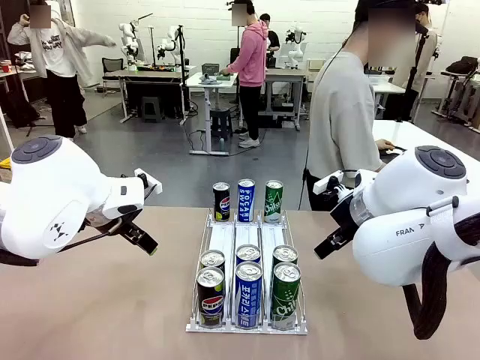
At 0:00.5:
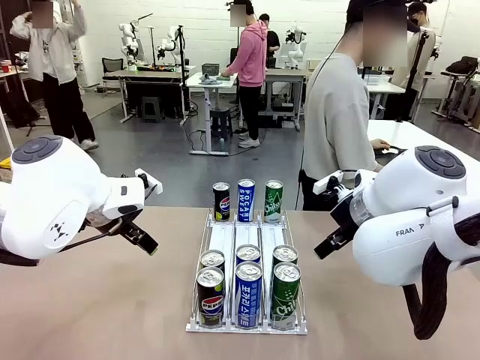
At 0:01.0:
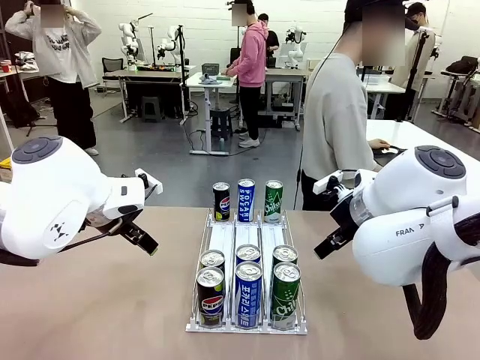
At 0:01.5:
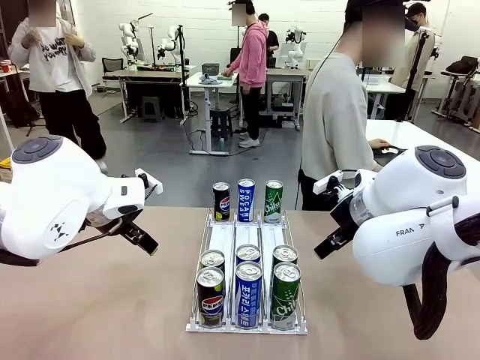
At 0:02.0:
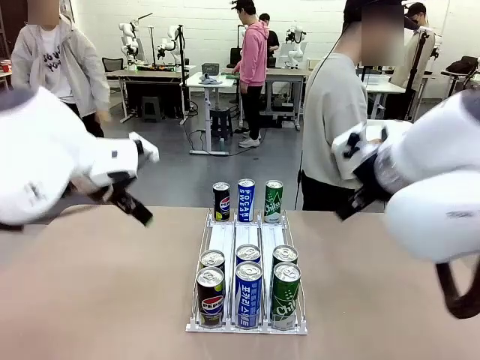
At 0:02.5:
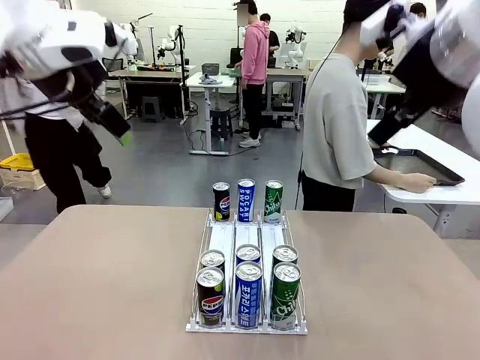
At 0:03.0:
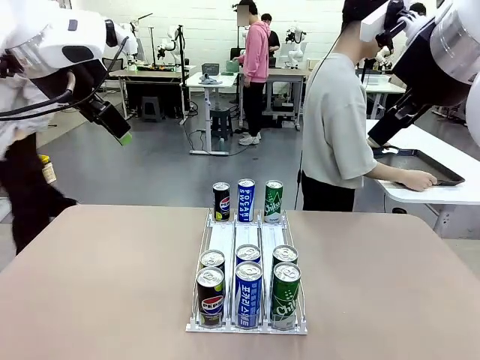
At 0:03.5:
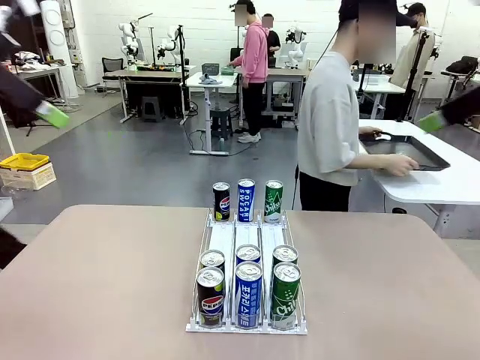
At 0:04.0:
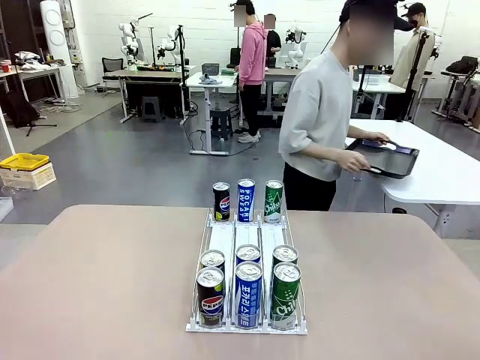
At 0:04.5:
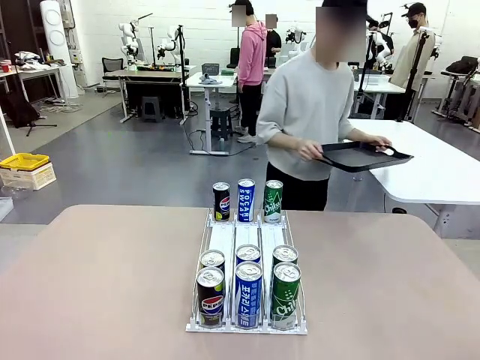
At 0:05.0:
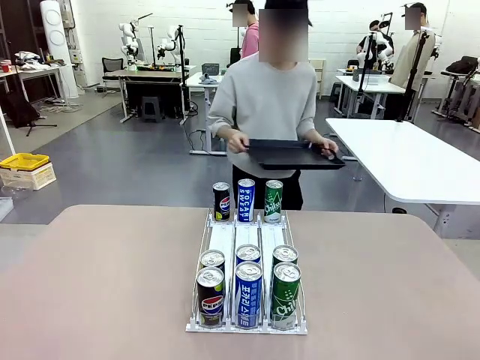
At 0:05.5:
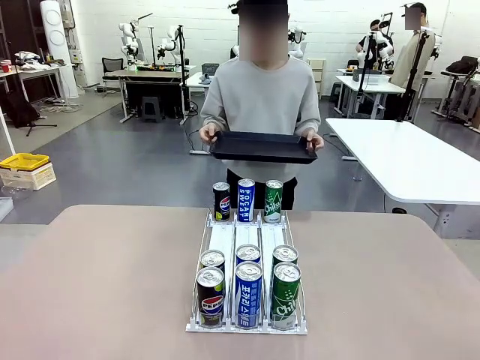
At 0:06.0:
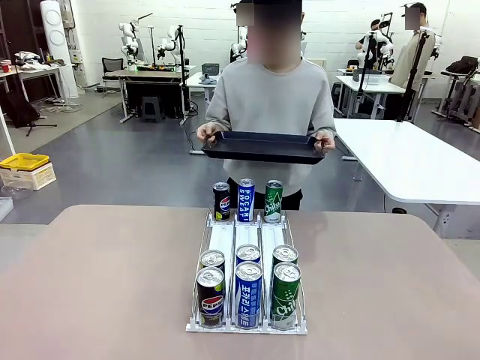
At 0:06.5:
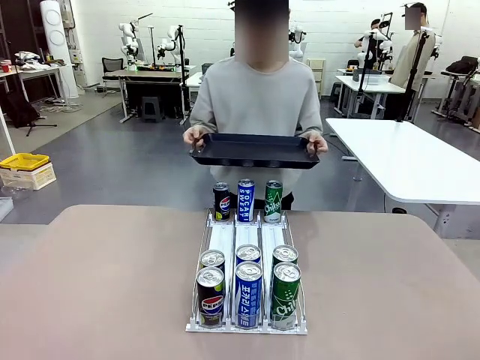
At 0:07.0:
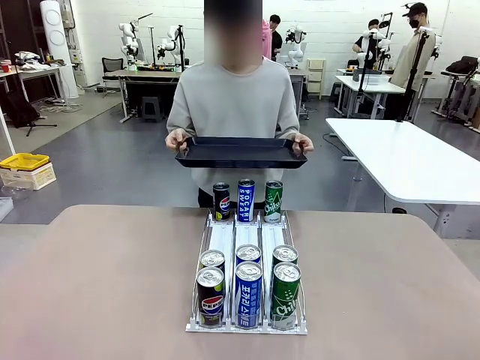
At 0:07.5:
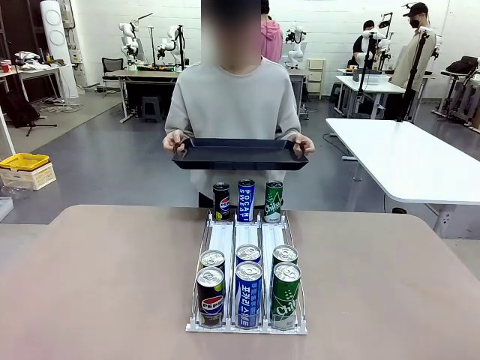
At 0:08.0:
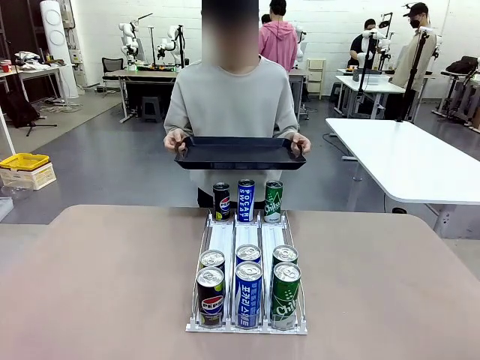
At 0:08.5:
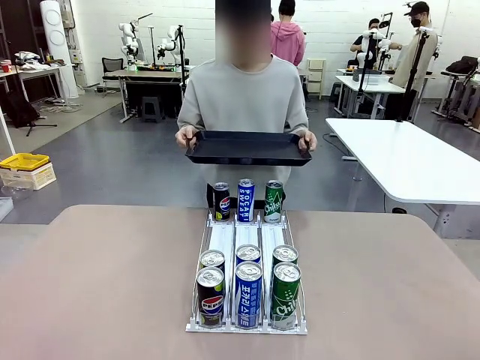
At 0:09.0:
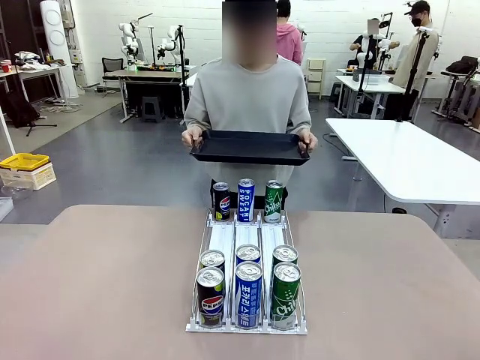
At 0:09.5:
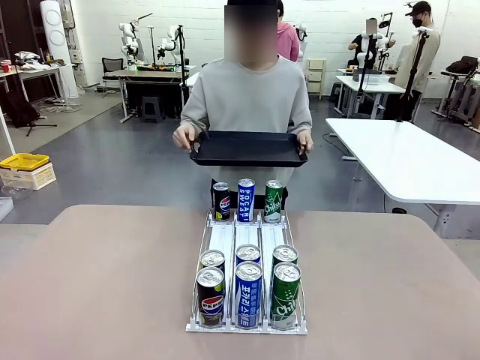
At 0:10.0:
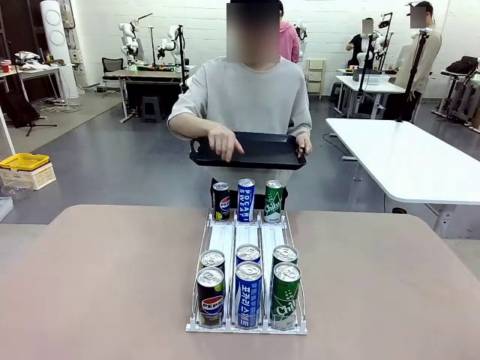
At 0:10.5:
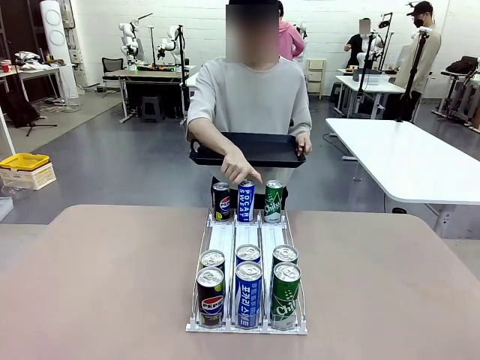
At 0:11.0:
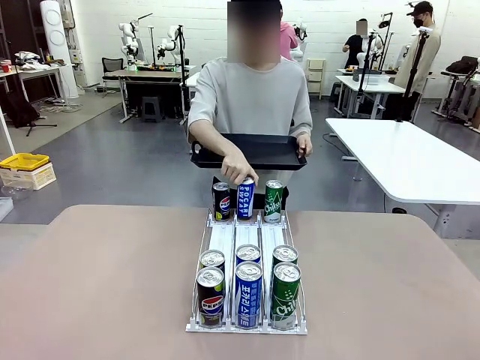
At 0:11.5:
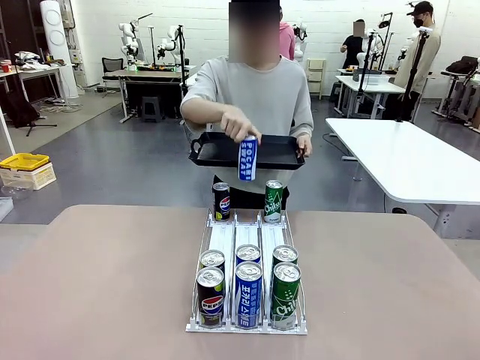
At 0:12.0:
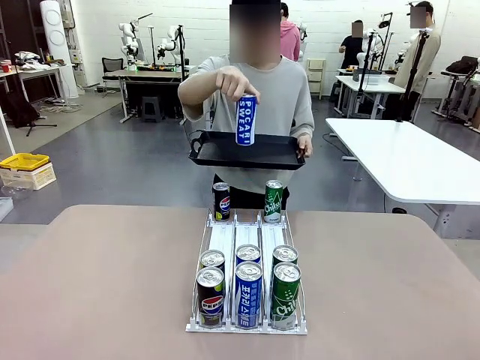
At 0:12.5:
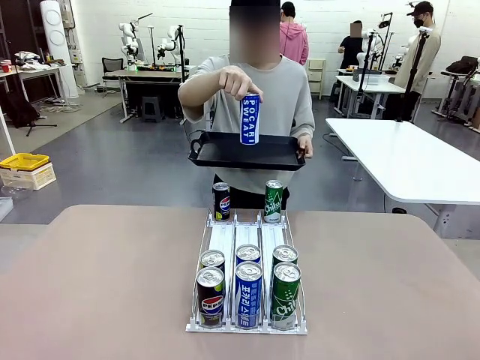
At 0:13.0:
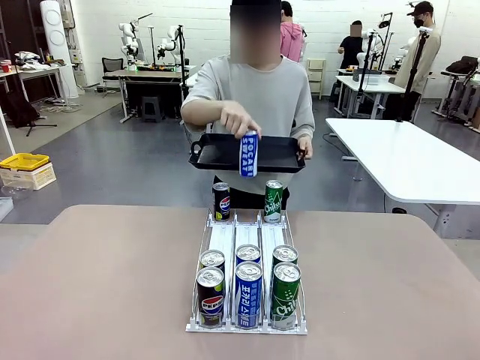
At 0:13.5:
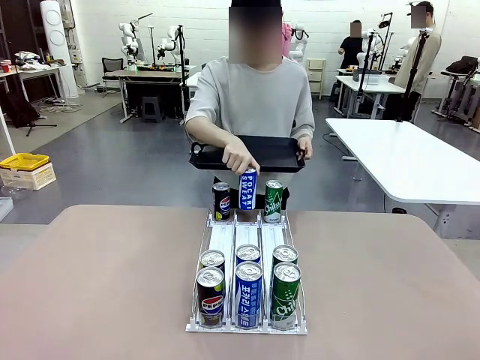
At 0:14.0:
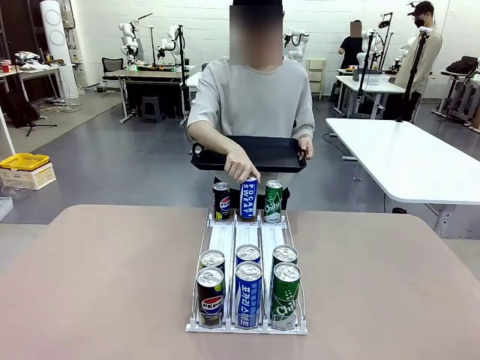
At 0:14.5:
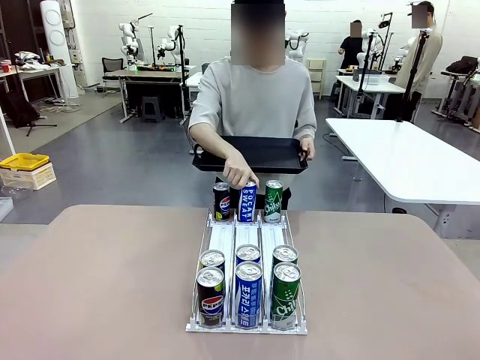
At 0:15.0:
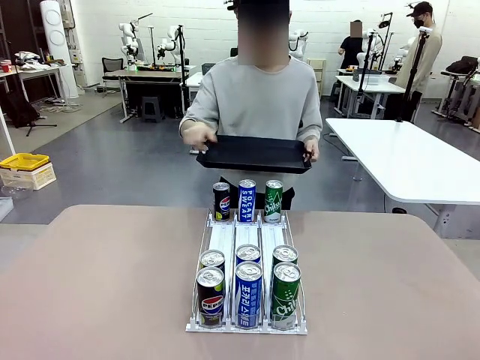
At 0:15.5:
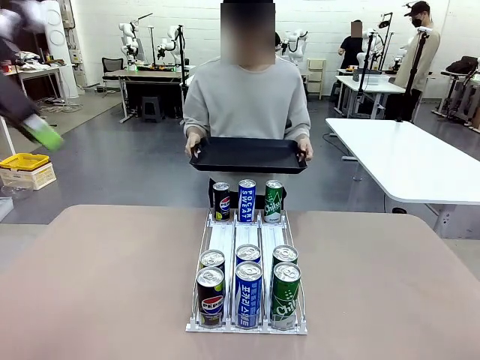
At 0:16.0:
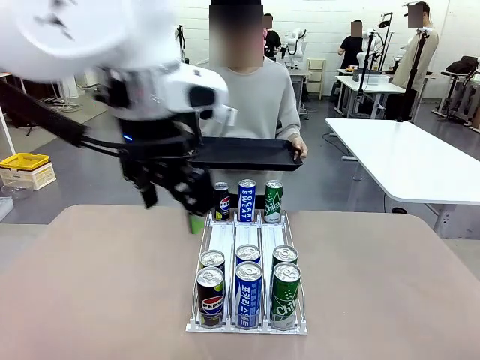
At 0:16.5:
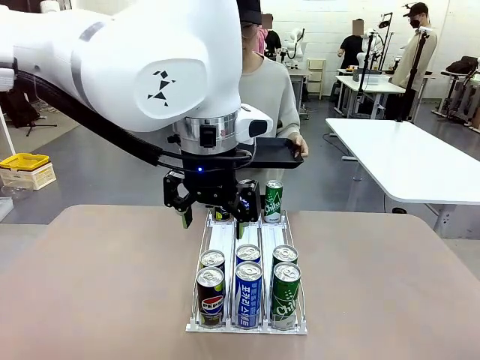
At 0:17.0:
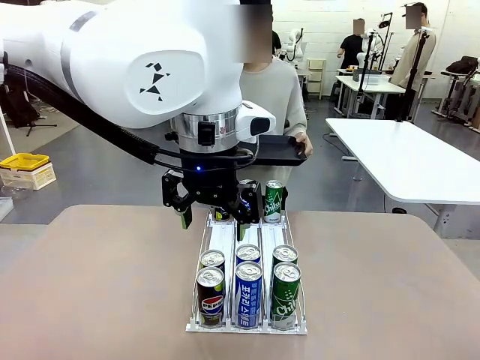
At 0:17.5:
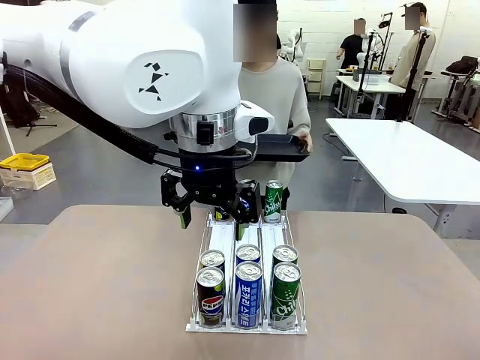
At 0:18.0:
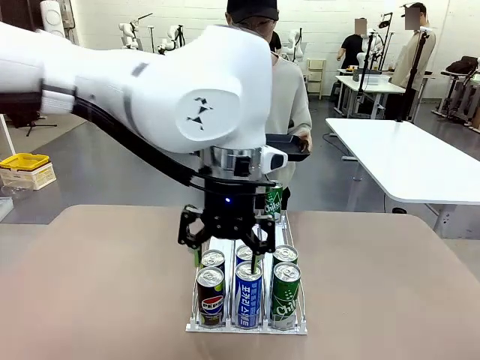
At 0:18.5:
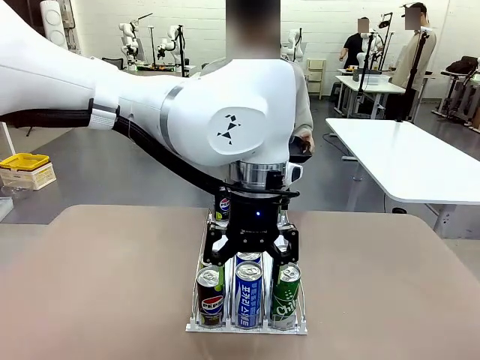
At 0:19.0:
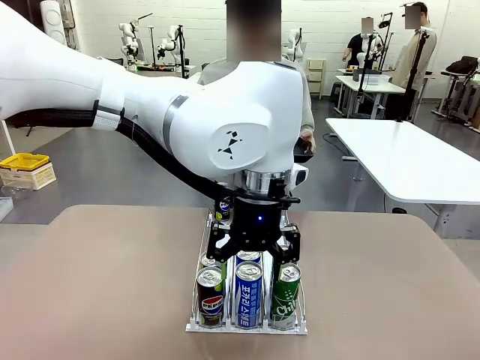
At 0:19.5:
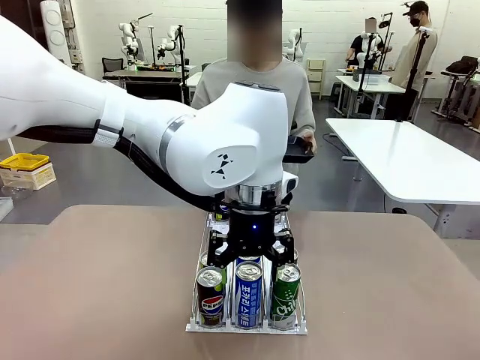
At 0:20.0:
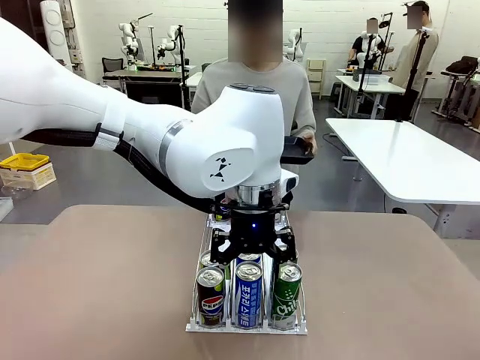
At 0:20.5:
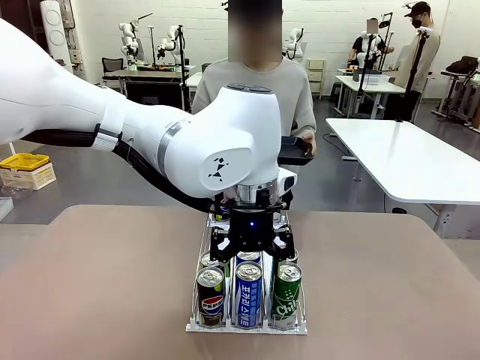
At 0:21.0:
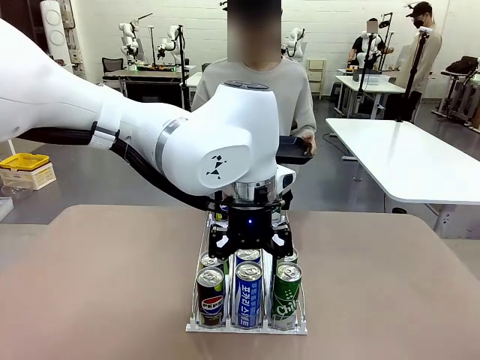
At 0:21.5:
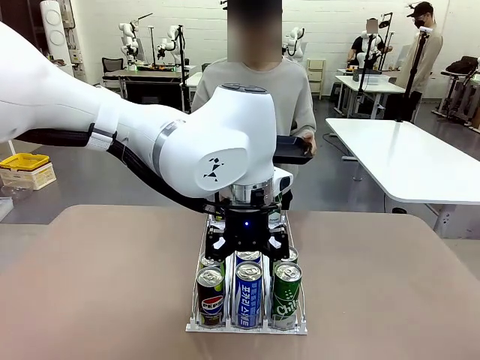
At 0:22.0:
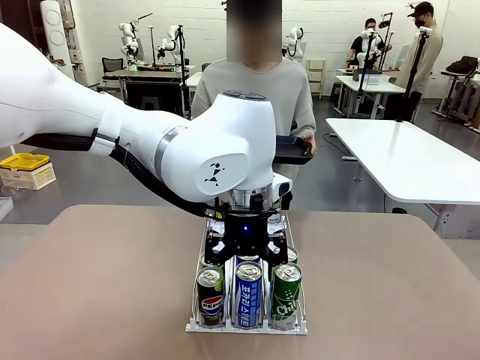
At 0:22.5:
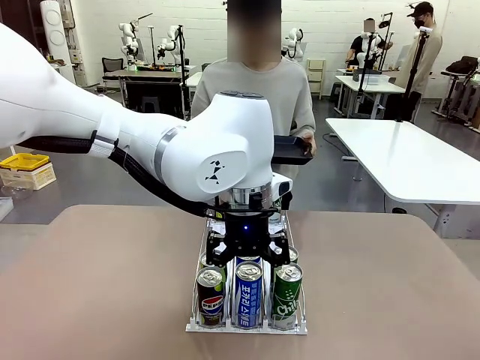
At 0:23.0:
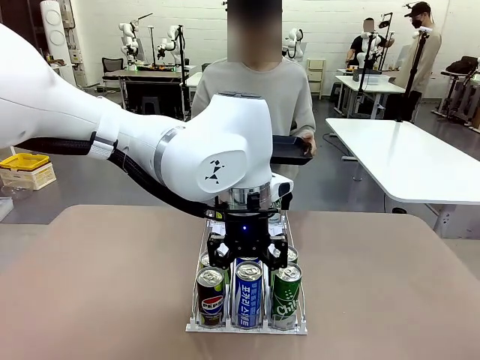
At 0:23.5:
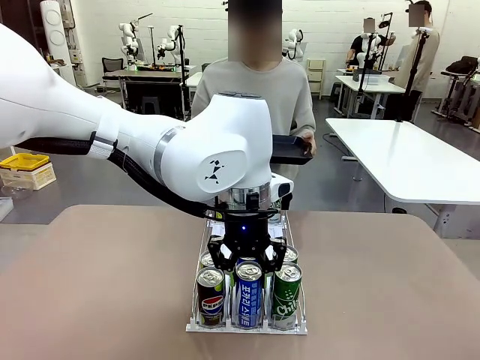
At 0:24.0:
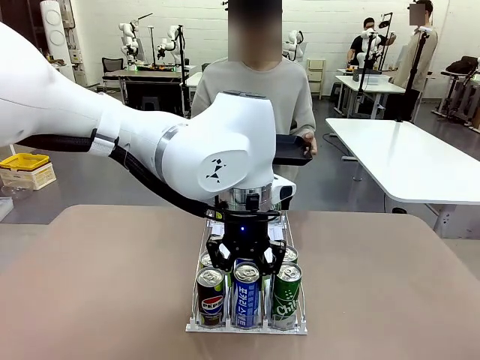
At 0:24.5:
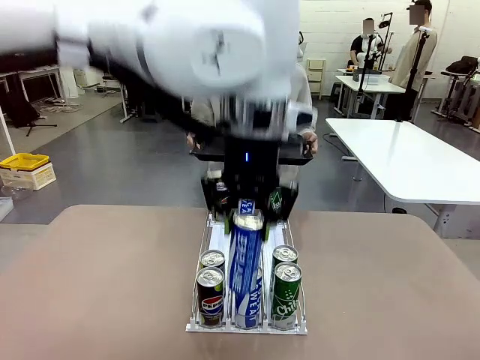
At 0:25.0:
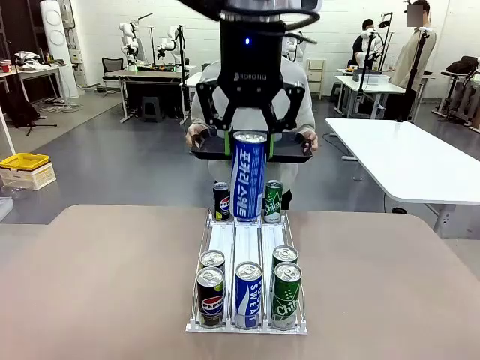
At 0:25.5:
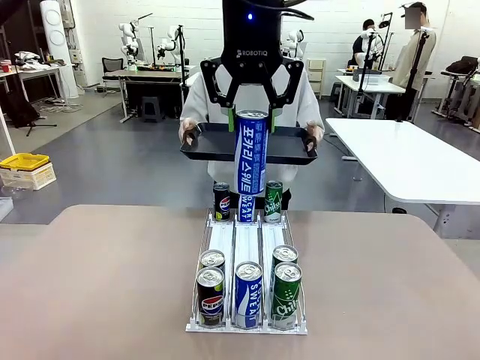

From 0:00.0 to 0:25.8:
Task: Retrieve and hand over the desired beverage to the person.
Robot: Pick up a can of the same type that the person held from the Automatic Can Dispenser.
Person: Hold the tray and position yourself in front of the robot table. Pick up one can from the bottom area of the table and puts it back in its original place. Push the tray toward the robot.
